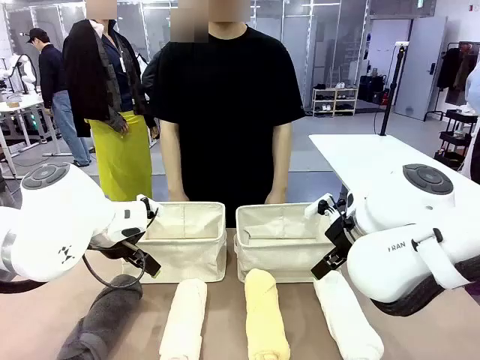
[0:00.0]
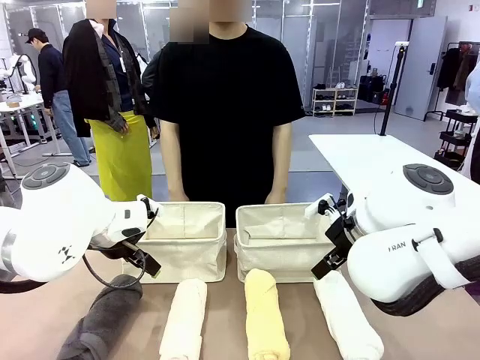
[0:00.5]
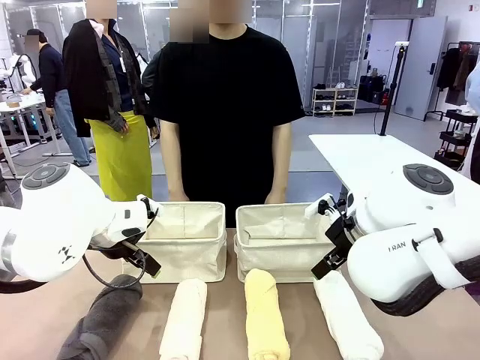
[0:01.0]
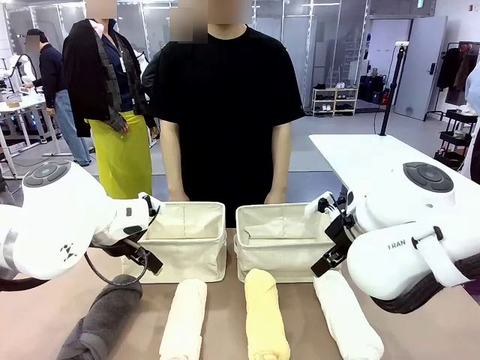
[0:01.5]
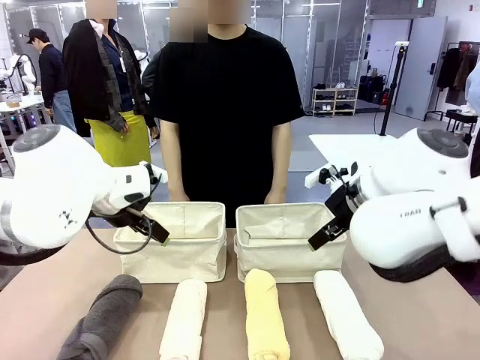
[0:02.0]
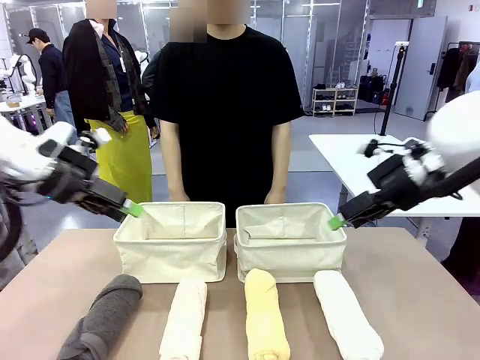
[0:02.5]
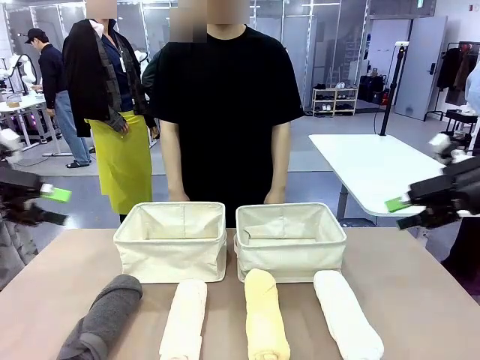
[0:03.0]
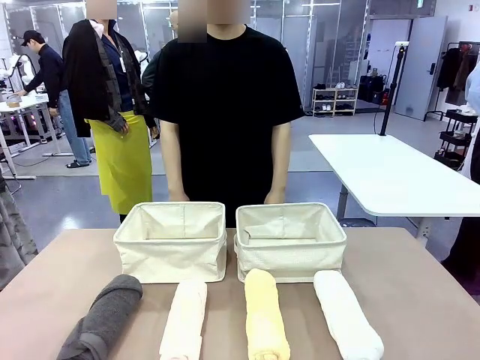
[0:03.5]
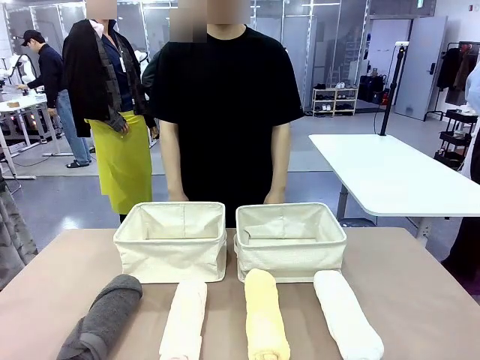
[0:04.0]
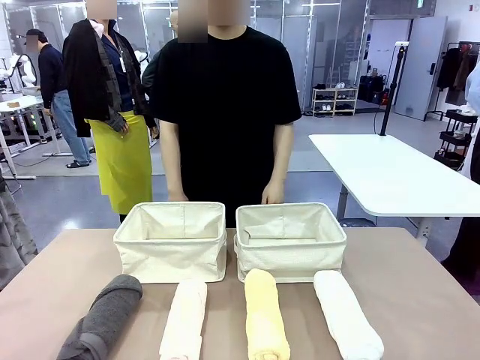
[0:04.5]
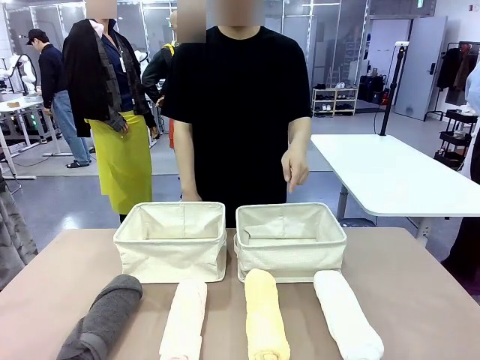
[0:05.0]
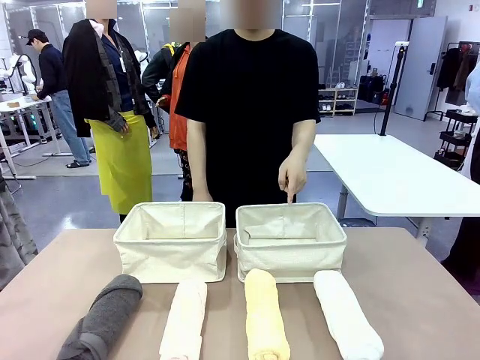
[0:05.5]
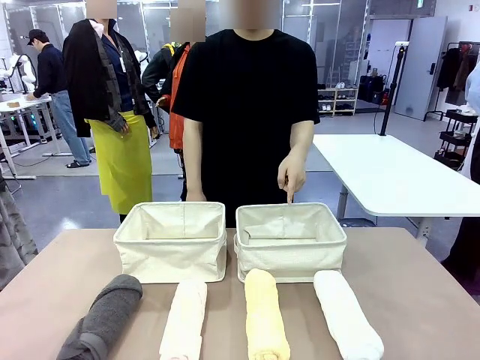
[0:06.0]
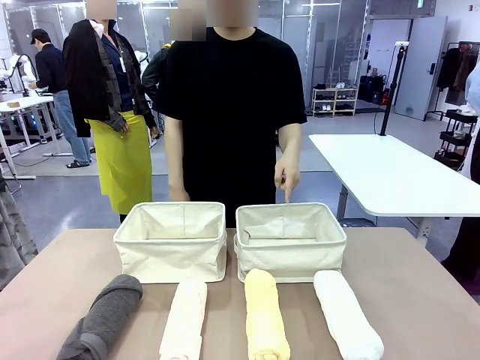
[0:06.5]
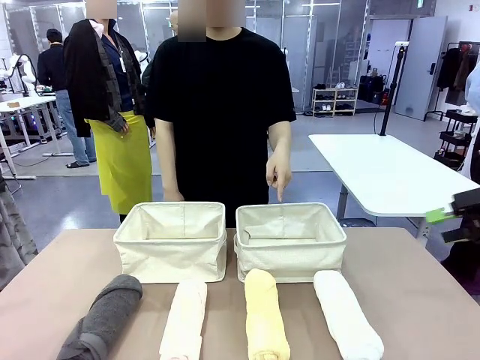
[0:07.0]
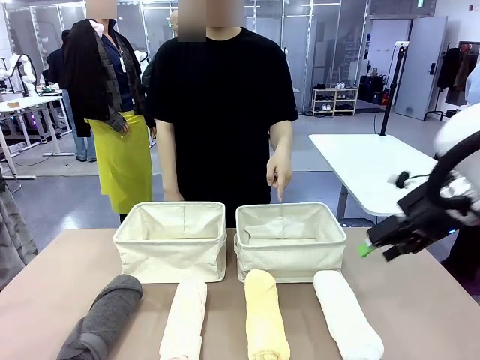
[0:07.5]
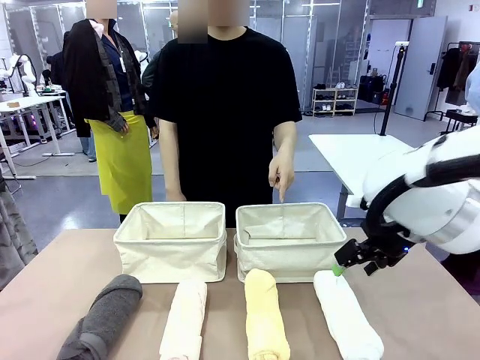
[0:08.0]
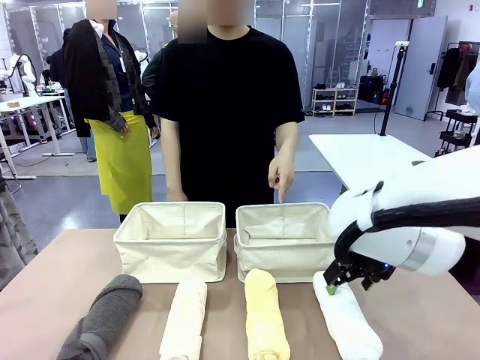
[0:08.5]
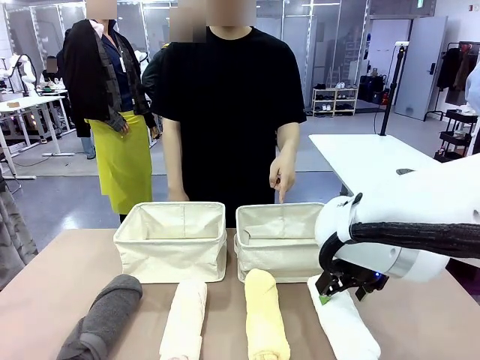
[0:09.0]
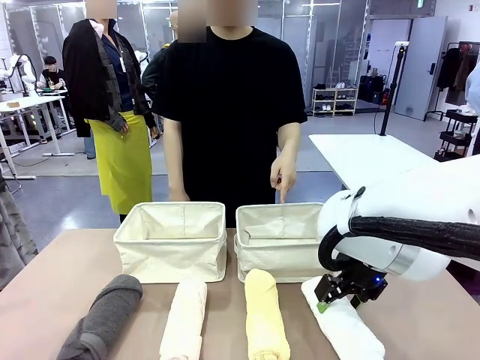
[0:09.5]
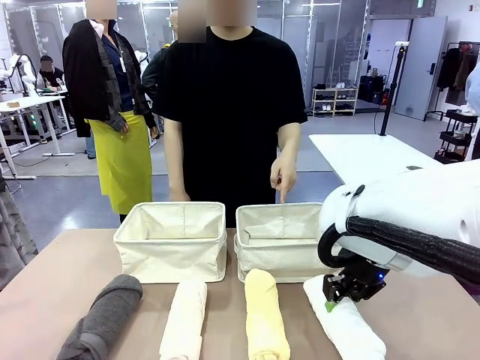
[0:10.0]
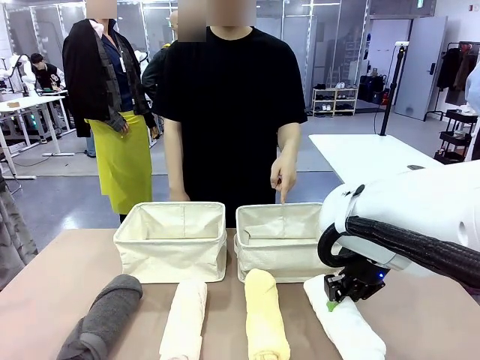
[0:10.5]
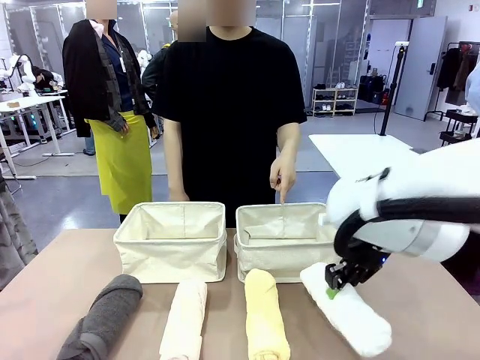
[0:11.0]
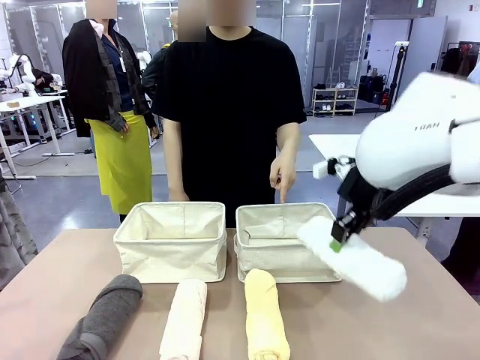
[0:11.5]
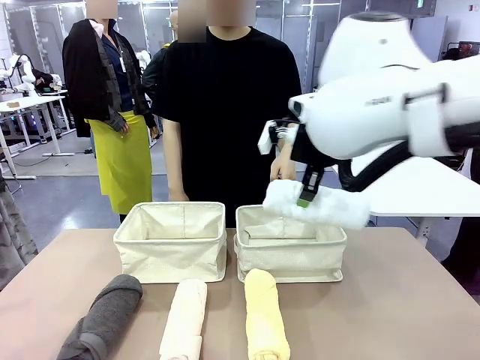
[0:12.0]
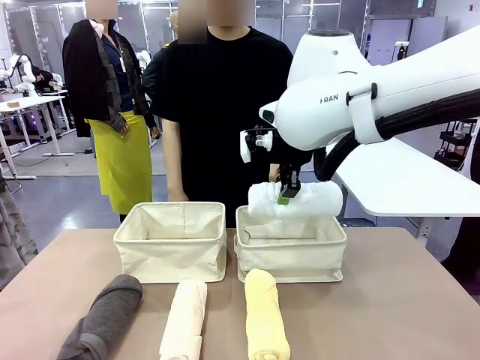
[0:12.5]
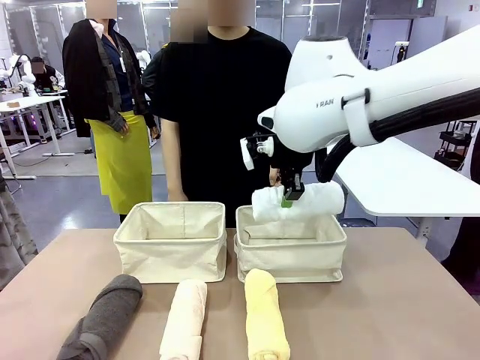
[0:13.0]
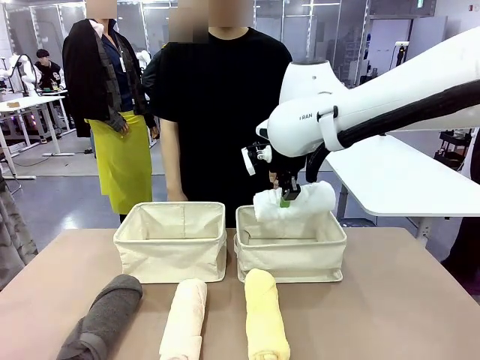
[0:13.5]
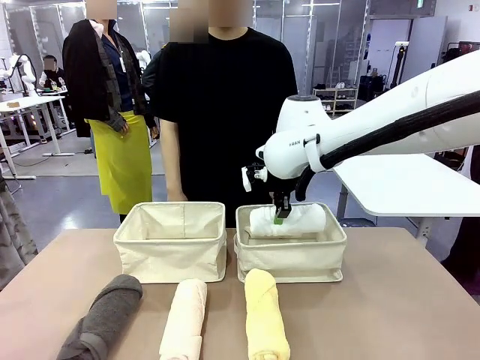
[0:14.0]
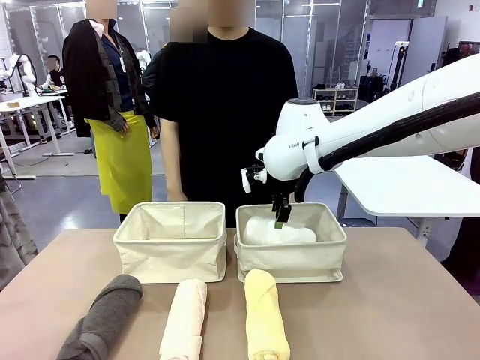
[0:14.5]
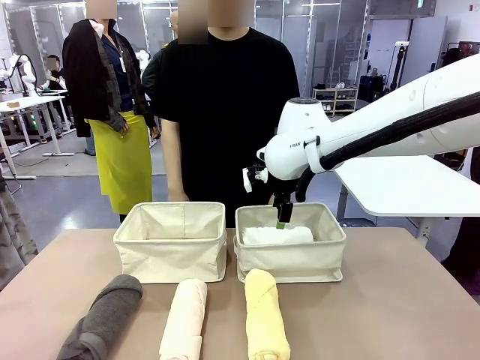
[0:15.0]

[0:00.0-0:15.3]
Task: Divide the towels into two baskets.
Robot: Pick up one hotel-folded towel and place it in the Fabric basket indicated by the person.
